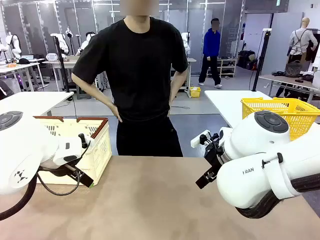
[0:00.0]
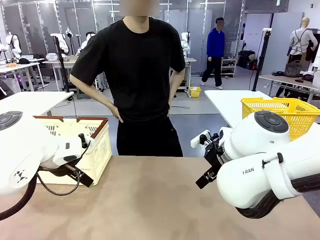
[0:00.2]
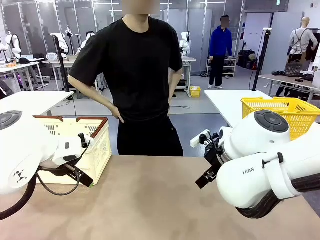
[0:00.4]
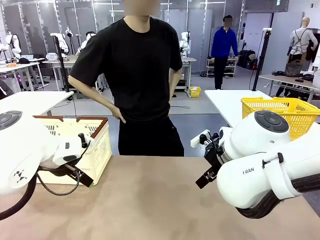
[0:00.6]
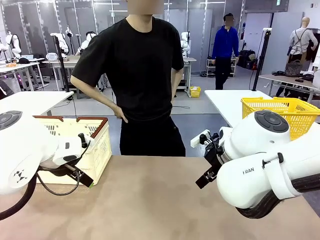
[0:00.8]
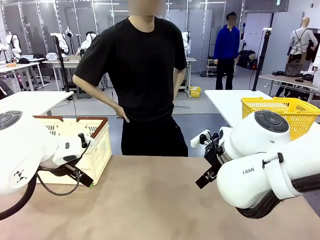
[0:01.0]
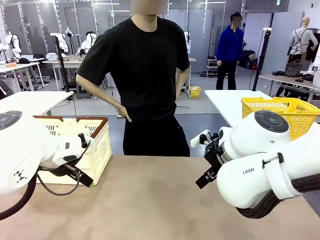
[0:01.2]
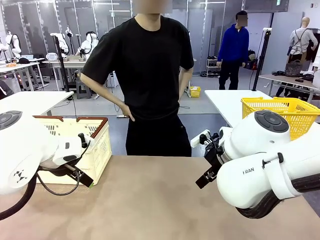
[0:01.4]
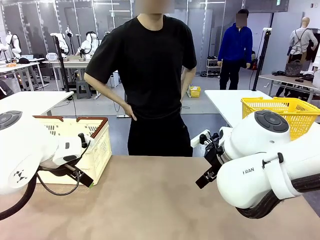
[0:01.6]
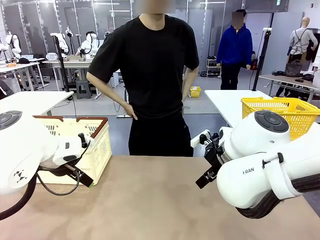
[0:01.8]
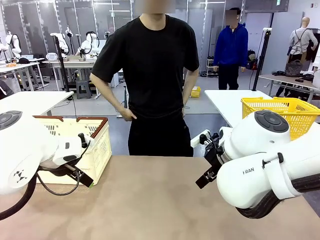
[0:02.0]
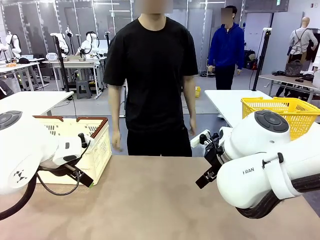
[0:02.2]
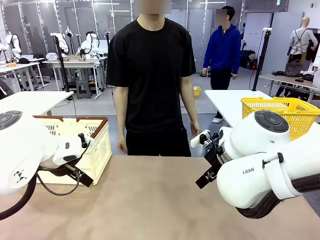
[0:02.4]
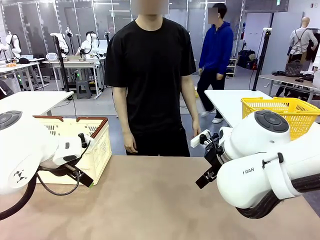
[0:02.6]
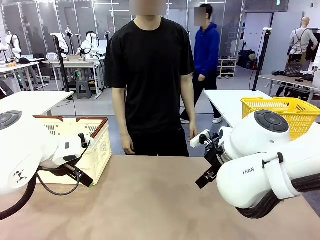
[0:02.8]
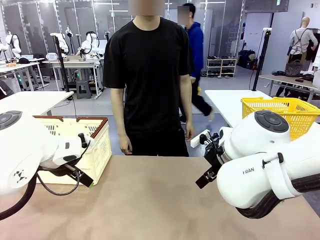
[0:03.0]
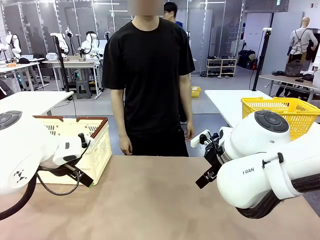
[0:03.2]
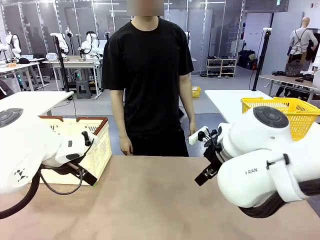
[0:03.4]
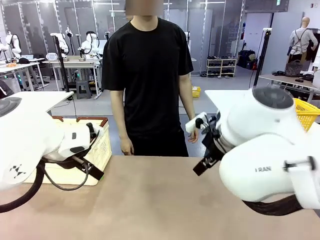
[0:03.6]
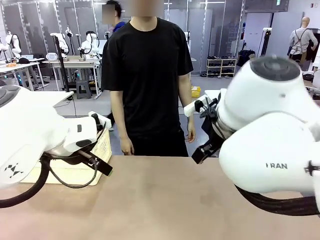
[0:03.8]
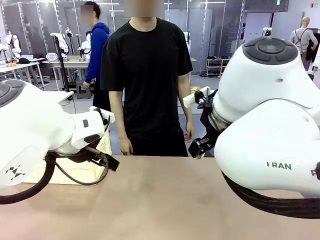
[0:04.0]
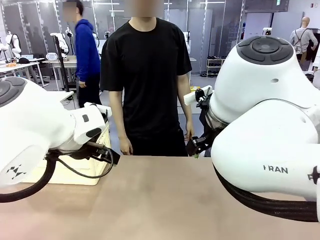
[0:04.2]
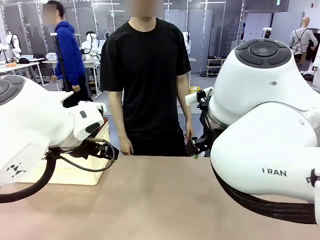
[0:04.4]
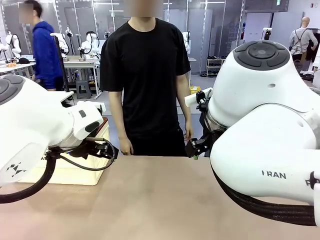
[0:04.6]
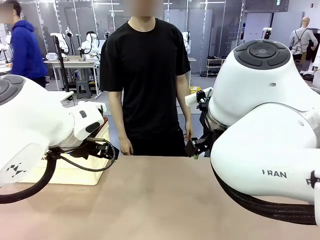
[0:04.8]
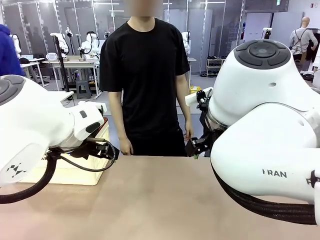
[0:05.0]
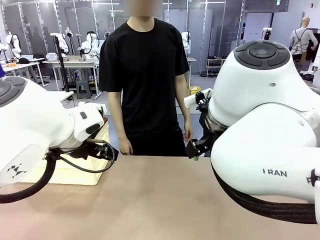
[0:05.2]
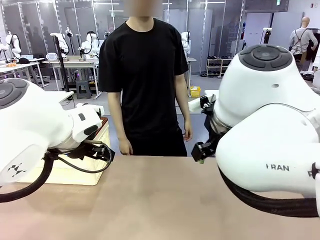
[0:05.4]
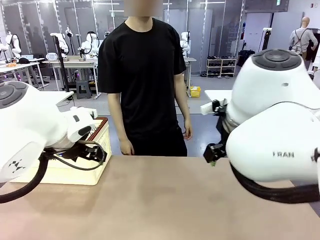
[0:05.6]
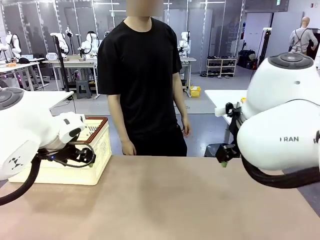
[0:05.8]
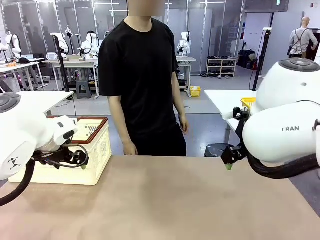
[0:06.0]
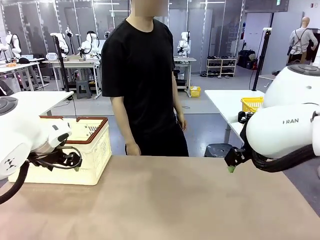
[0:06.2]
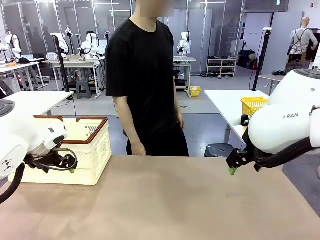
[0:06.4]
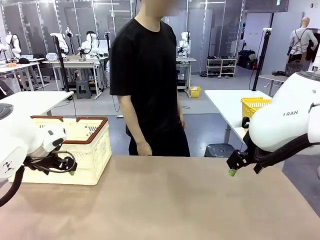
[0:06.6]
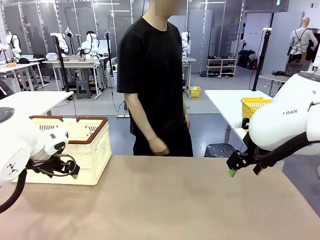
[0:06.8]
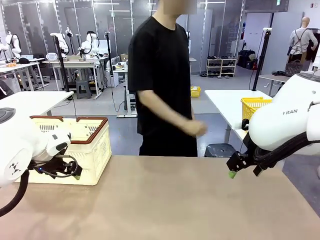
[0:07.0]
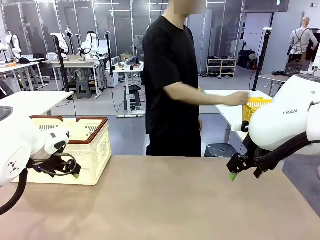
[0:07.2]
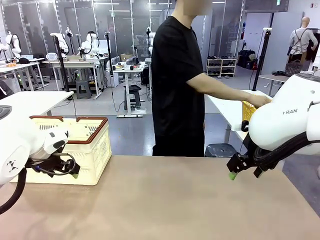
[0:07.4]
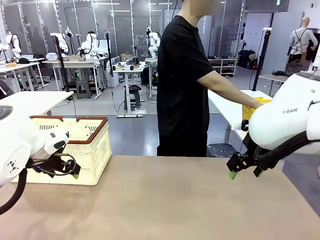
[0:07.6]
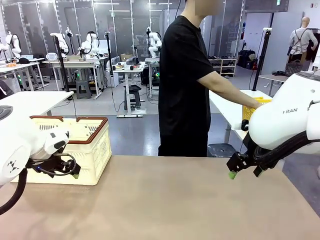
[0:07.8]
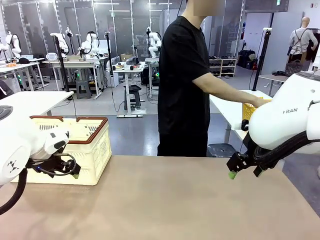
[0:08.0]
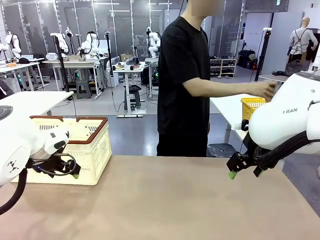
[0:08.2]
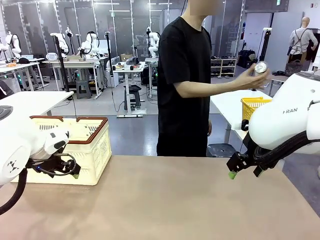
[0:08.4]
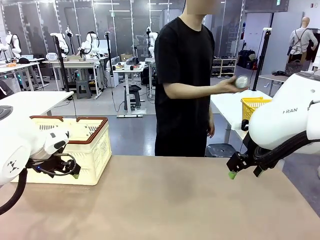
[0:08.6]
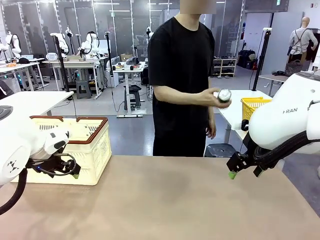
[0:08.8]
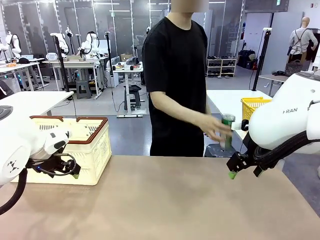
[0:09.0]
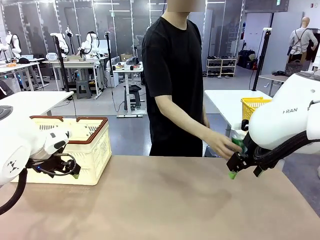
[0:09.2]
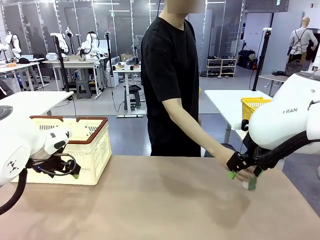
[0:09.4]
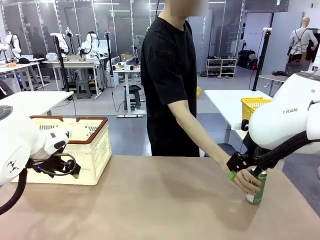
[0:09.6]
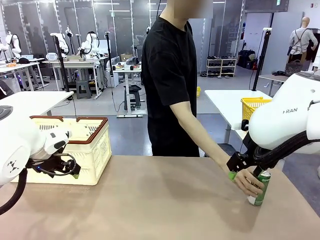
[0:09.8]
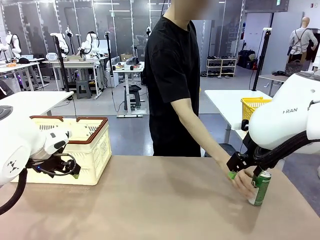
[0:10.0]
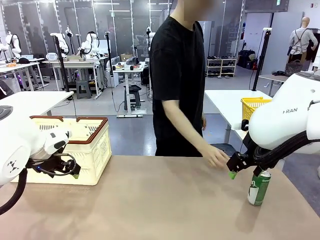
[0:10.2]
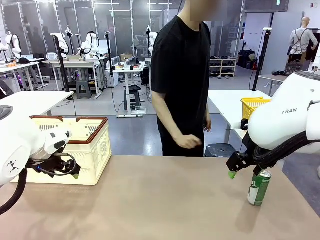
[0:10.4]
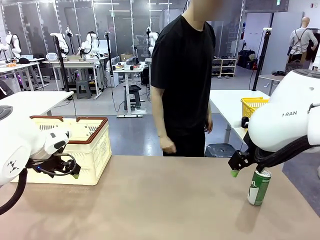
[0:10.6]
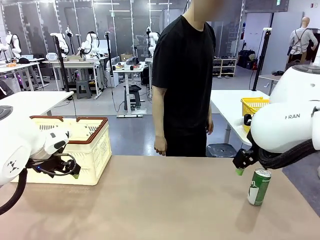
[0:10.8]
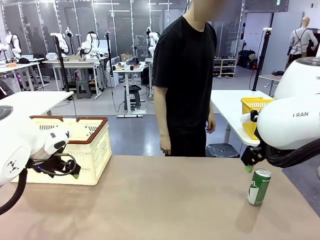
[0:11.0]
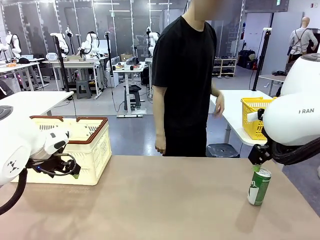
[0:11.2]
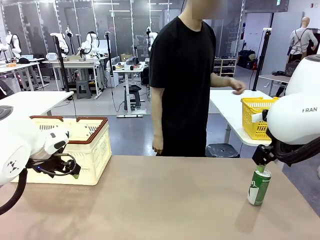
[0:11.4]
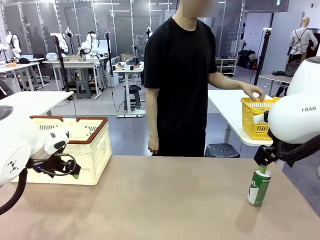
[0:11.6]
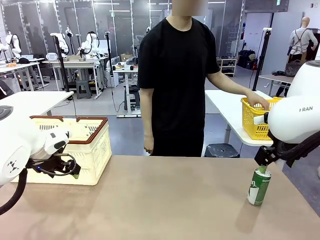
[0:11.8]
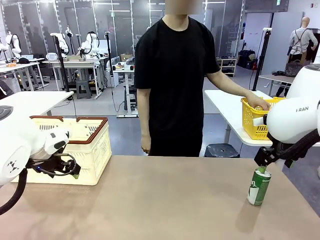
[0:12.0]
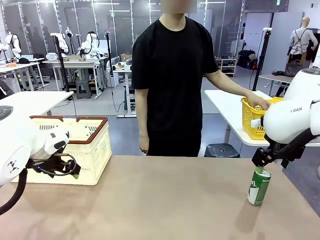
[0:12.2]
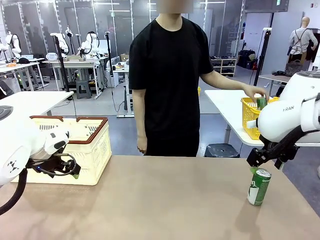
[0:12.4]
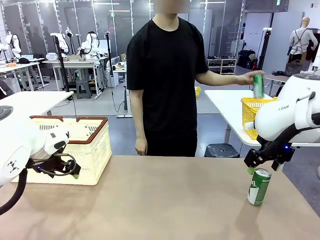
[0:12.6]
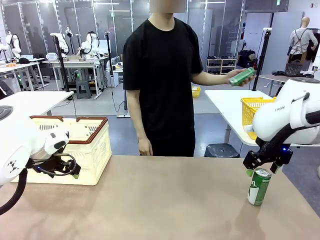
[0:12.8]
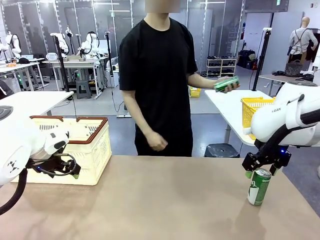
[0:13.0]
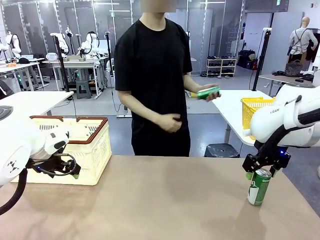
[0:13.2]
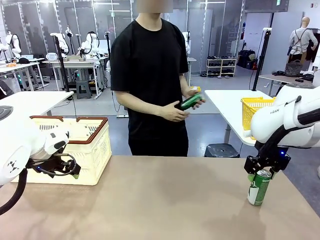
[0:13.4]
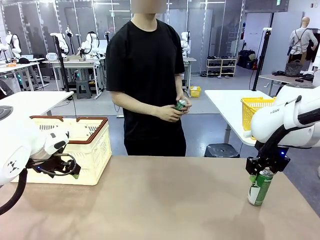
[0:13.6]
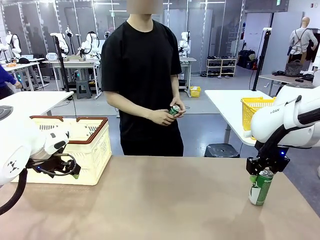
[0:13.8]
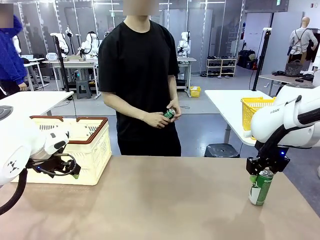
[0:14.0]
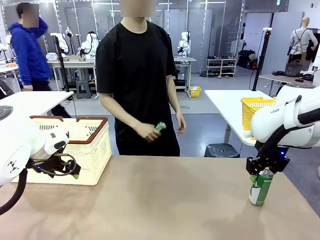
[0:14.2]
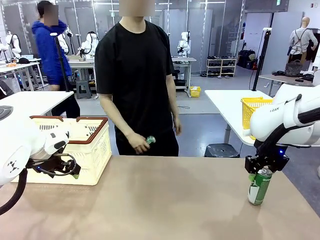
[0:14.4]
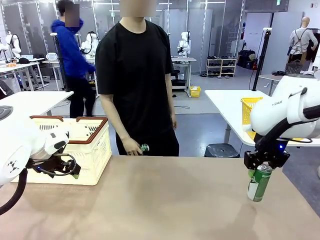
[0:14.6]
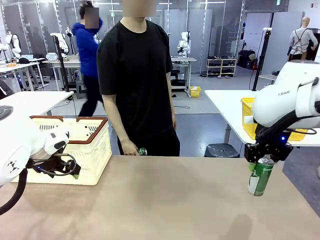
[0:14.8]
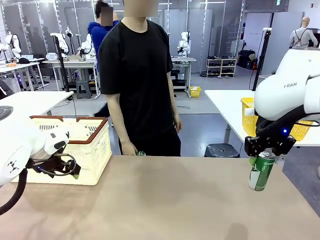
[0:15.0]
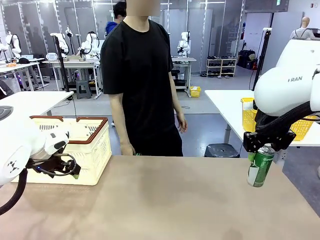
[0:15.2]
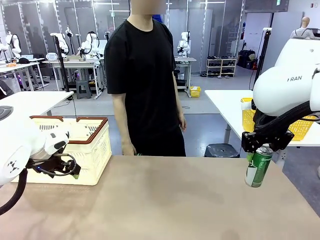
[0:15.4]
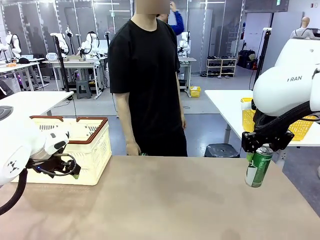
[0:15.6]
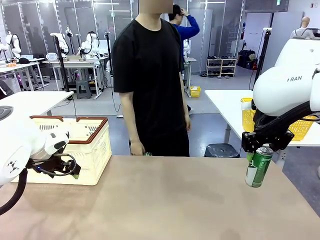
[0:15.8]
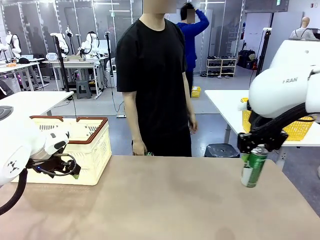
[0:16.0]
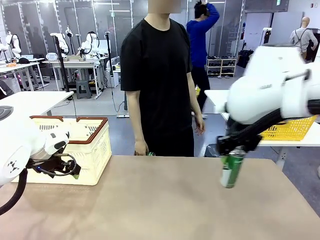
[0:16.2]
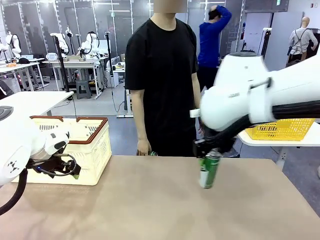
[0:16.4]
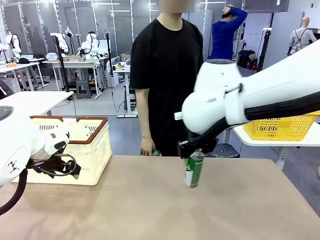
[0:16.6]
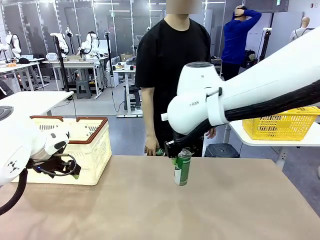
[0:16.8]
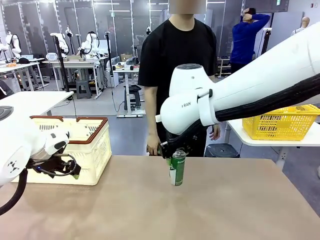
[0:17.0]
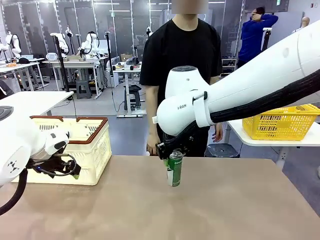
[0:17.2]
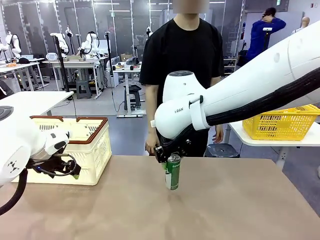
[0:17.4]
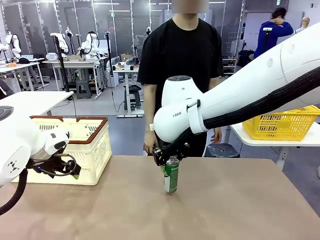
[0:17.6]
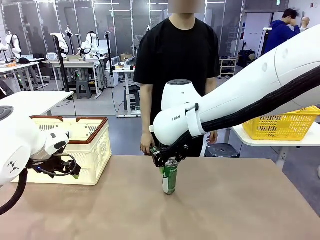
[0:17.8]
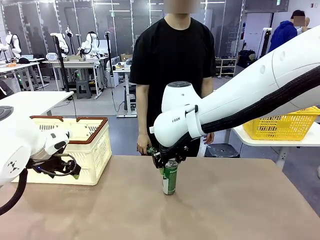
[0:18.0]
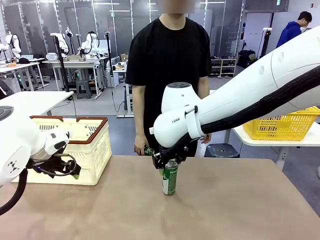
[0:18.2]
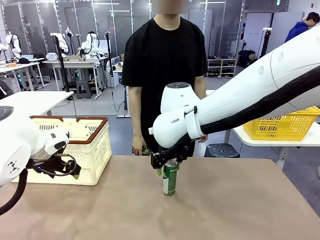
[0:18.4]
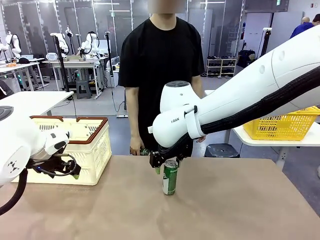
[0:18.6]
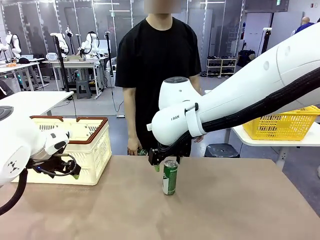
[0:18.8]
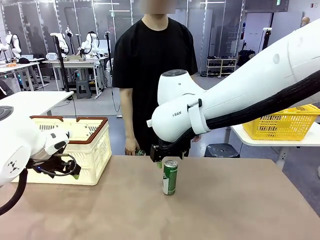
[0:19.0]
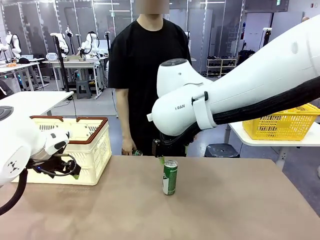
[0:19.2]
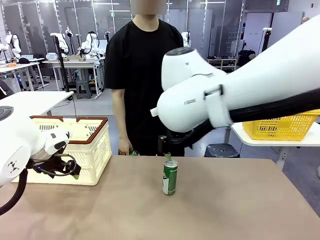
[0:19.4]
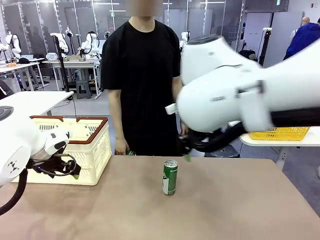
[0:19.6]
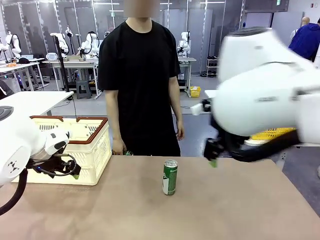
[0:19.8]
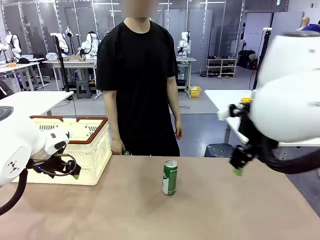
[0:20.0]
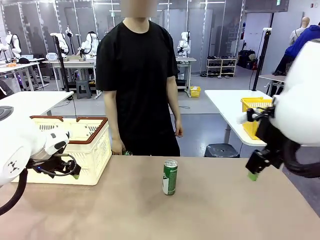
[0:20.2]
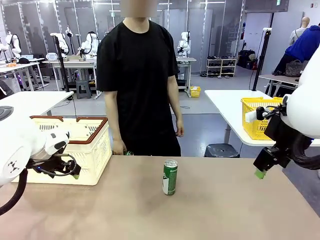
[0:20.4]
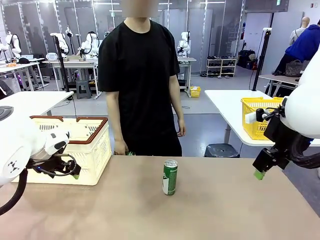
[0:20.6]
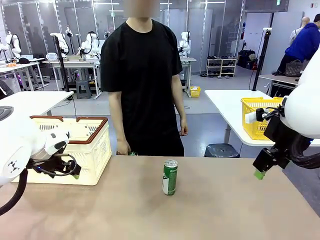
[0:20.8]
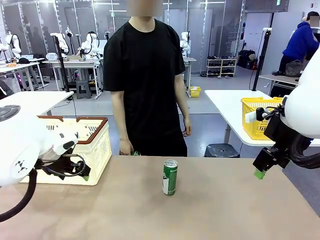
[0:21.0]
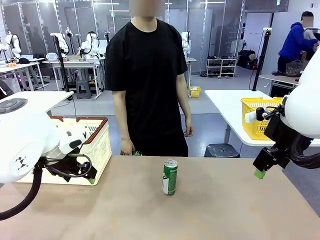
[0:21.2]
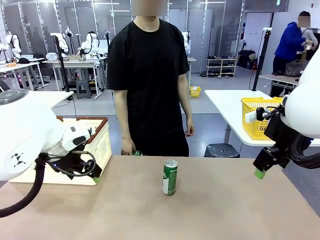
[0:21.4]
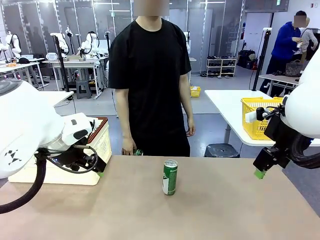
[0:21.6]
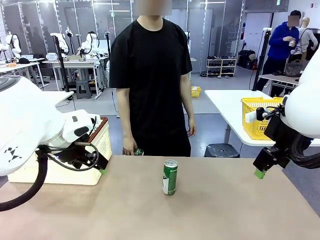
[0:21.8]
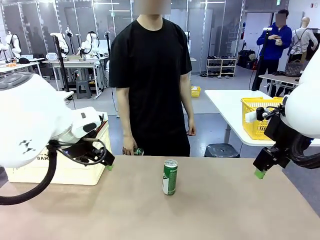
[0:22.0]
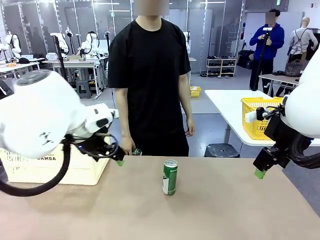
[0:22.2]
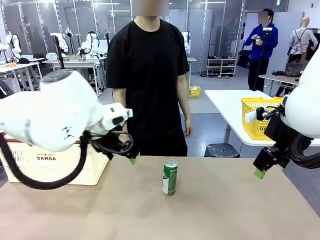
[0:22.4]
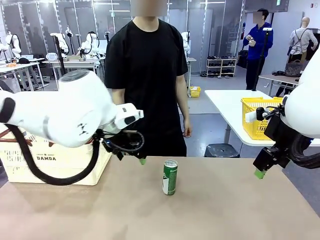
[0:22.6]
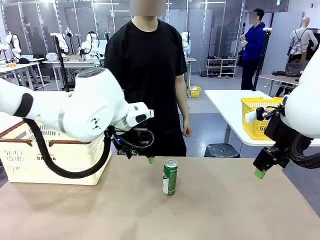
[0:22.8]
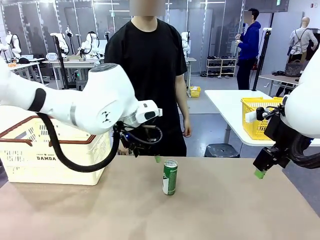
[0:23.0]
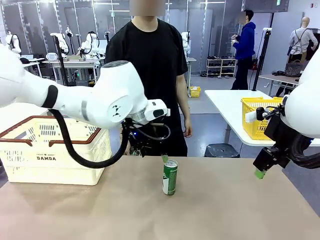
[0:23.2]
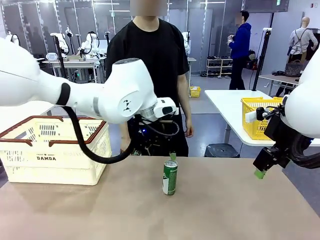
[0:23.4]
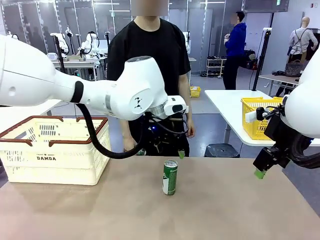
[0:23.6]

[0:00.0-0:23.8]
Task: Place the drinks into the Shopping basket.
Robot: Pick up one drink and place it into the Shopping basket.
